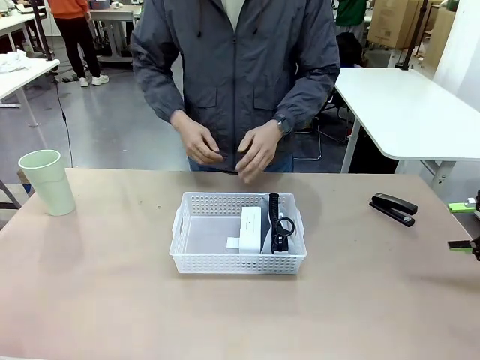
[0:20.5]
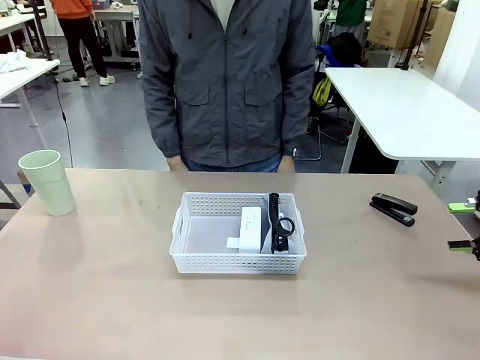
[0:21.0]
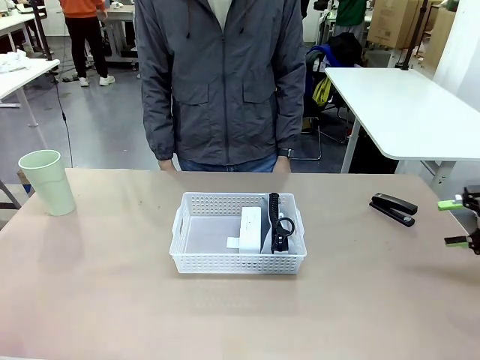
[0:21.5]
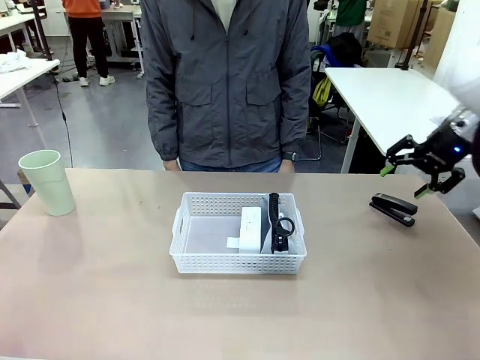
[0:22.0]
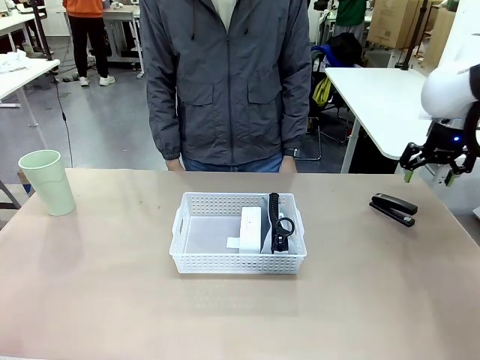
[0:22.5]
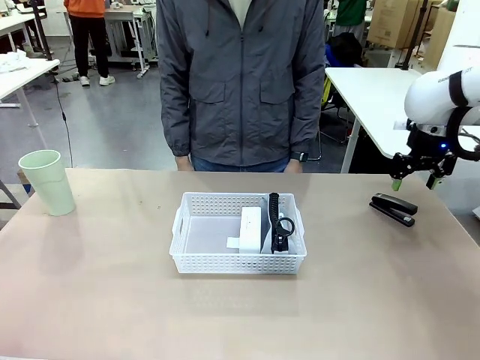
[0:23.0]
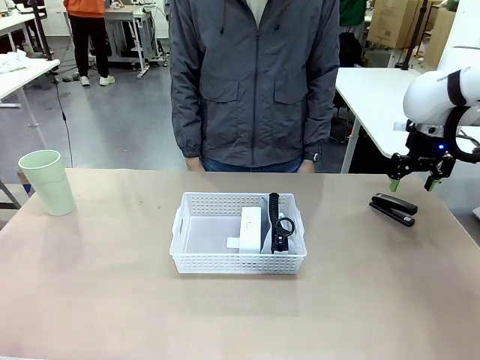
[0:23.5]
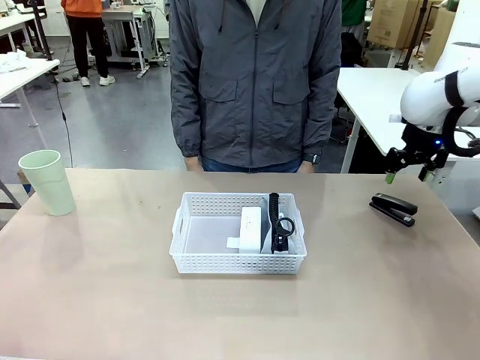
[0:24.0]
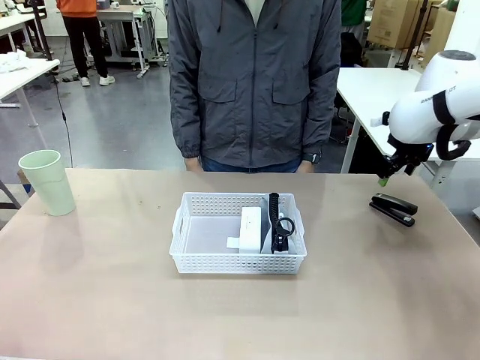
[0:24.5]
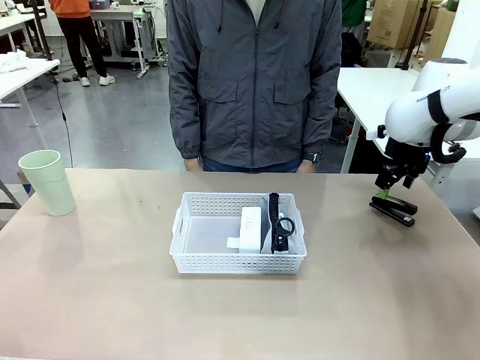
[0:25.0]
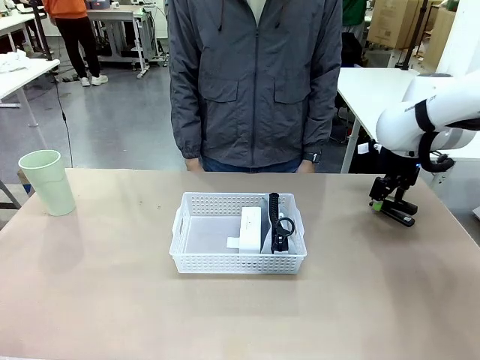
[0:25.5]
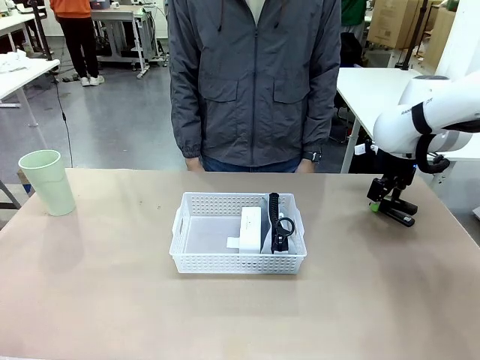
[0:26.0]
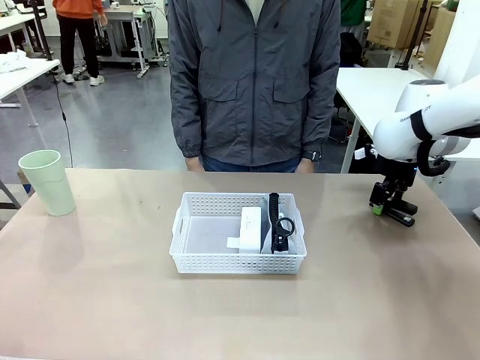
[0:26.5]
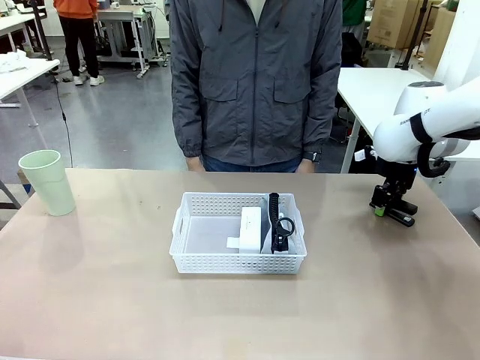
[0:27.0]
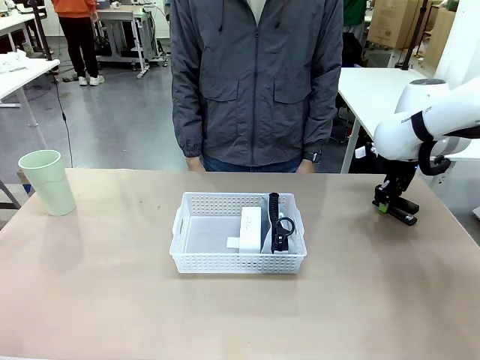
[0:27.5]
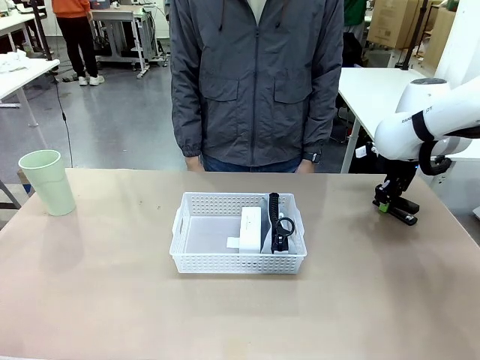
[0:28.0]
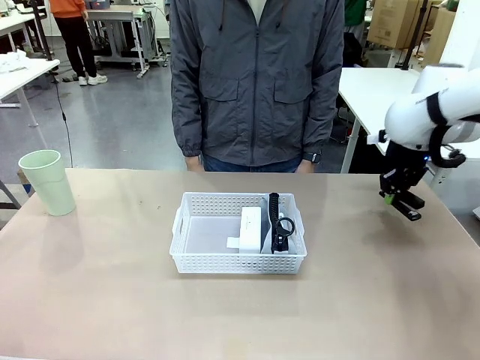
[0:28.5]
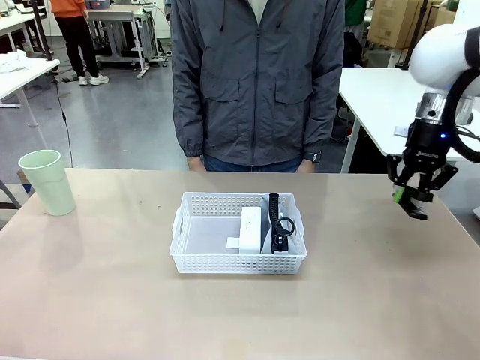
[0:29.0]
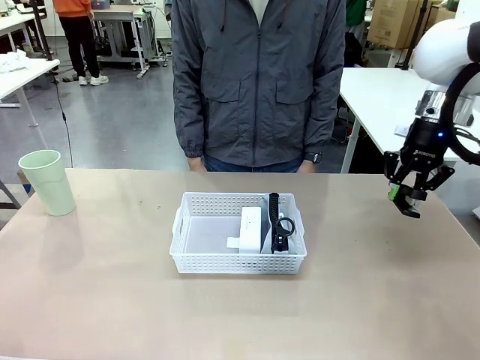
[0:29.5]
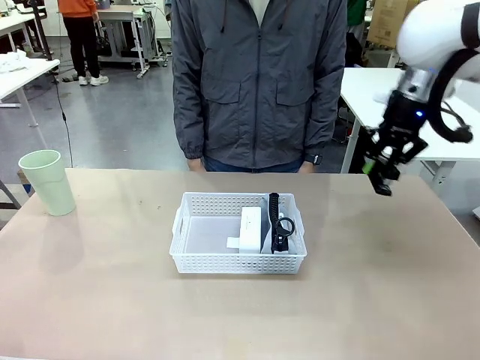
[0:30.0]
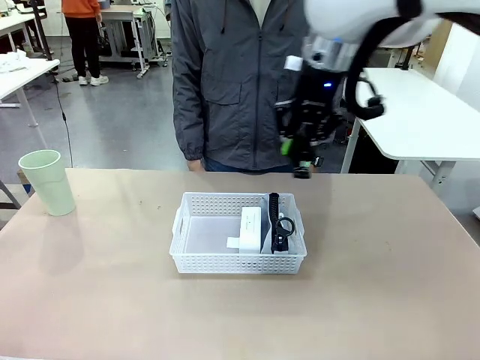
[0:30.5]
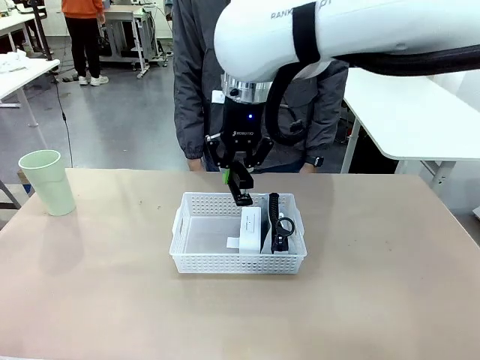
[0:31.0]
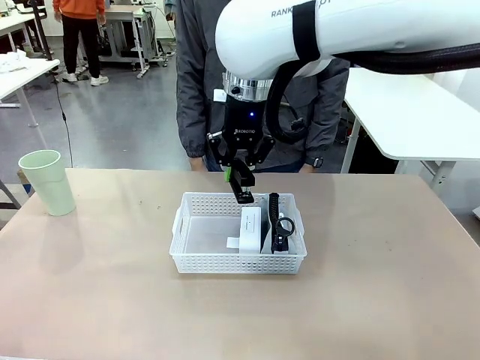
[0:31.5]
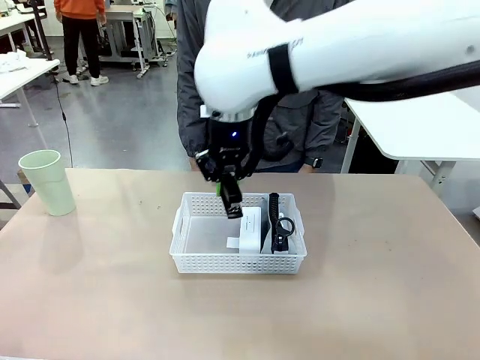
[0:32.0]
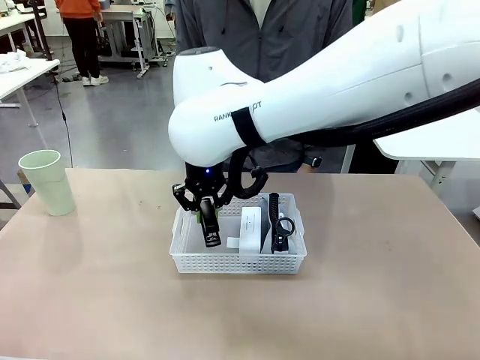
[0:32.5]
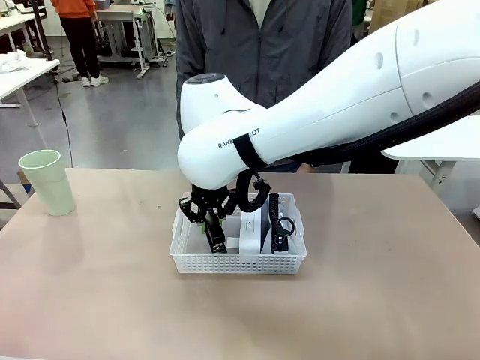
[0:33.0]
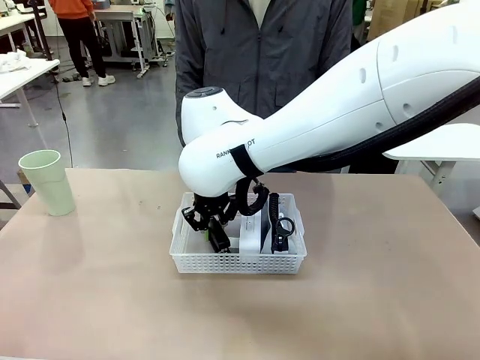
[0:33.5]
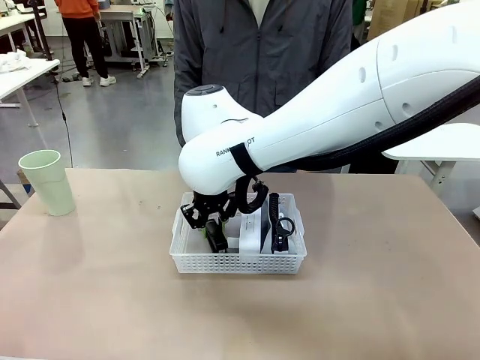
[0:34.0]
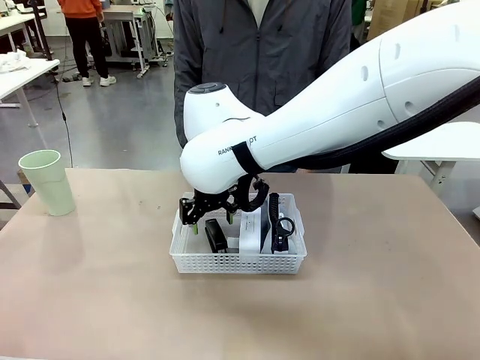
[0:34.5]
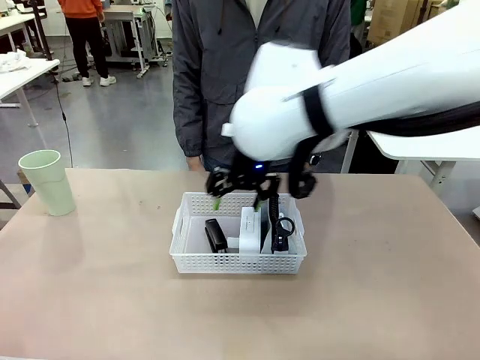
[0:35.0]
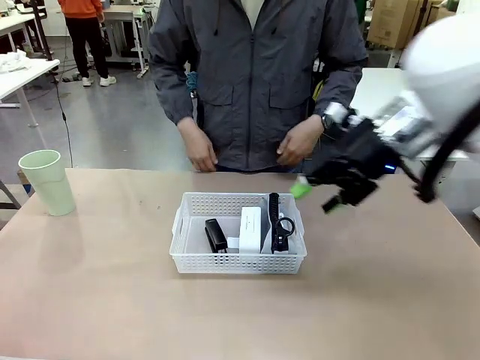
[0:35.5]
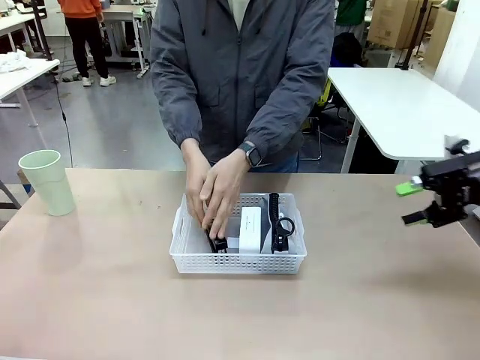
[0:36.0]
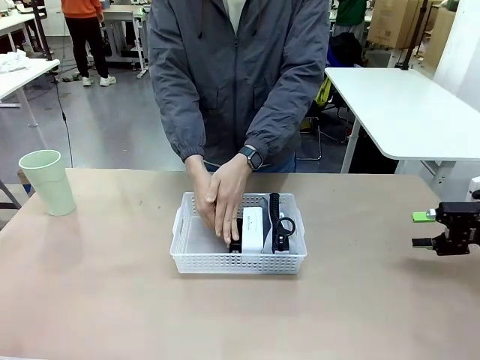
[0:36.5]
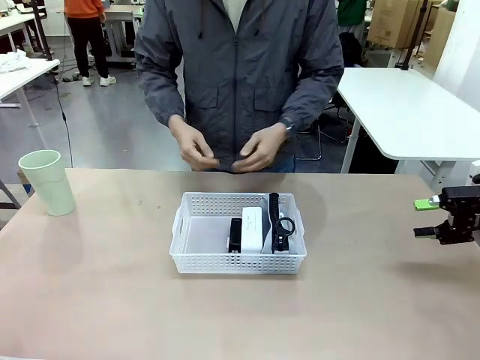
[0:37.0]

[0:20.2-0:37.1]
Task: Efficiently arrange items inside the basket to fit them all.
Robot: Pick up the Stapler and place it inside the Organizing basket.

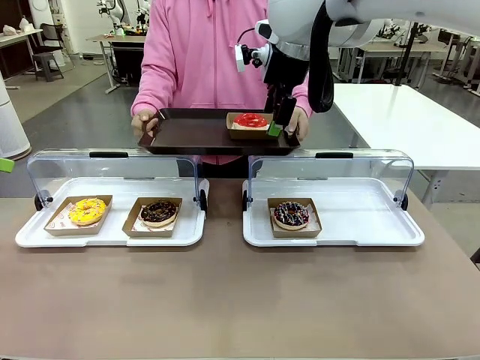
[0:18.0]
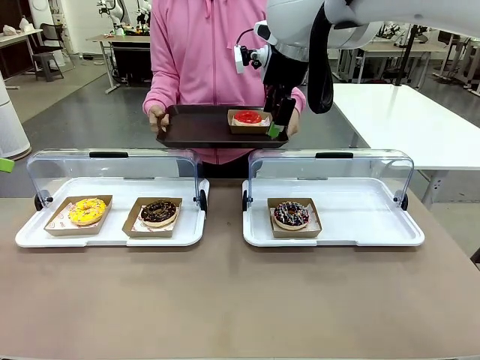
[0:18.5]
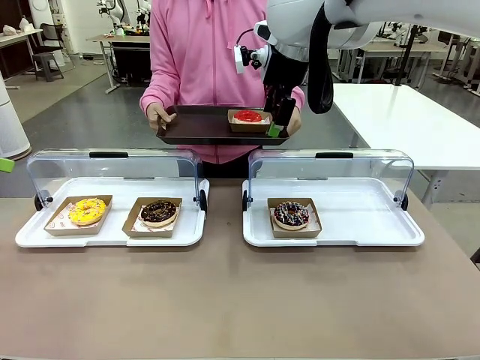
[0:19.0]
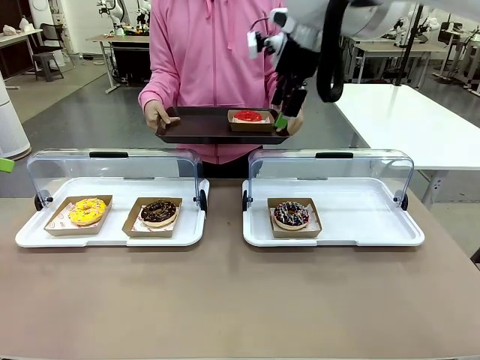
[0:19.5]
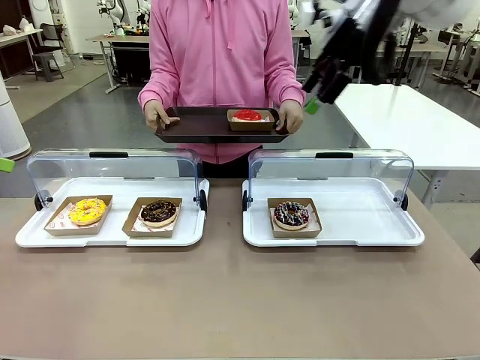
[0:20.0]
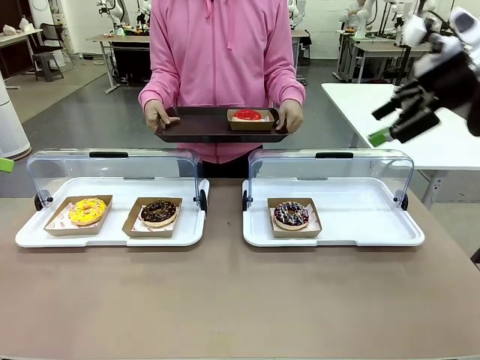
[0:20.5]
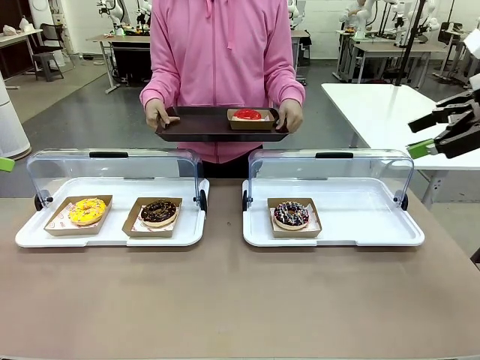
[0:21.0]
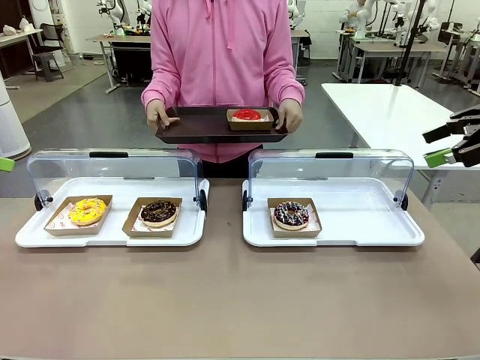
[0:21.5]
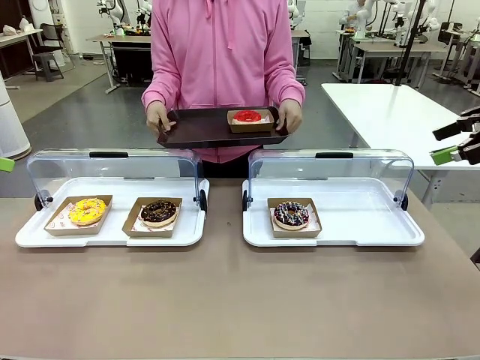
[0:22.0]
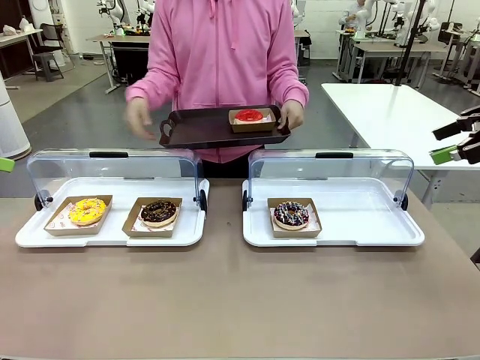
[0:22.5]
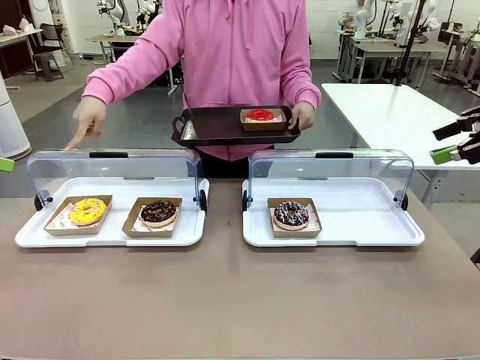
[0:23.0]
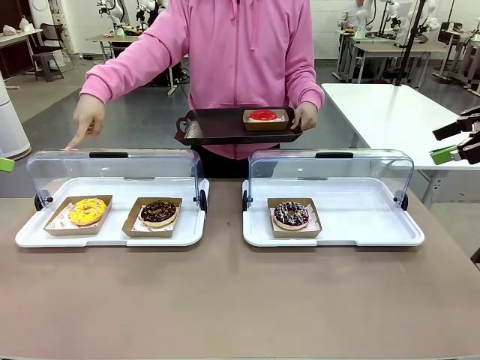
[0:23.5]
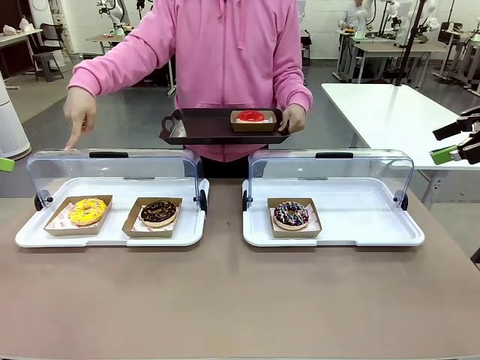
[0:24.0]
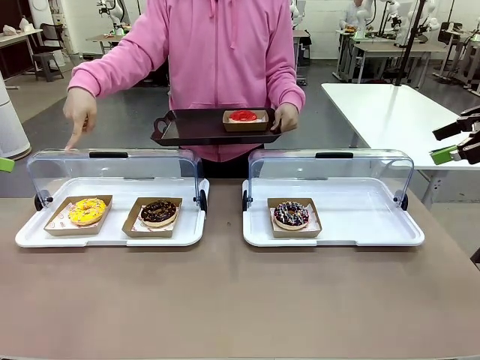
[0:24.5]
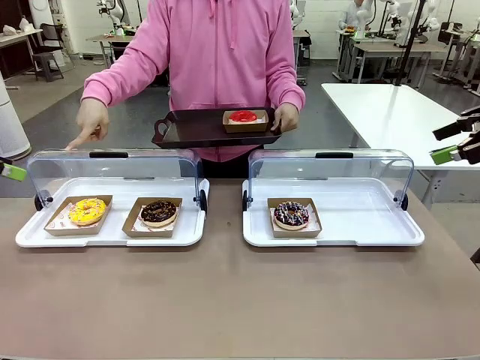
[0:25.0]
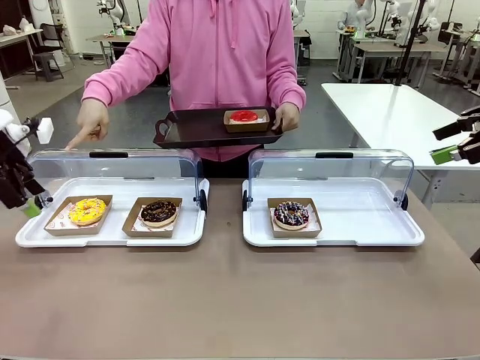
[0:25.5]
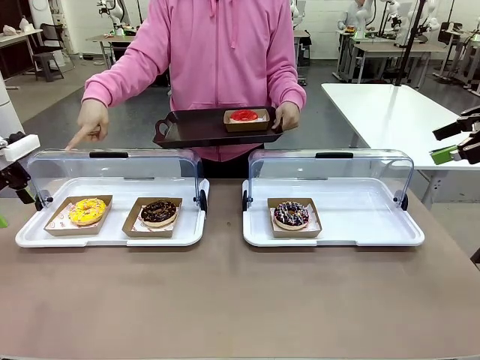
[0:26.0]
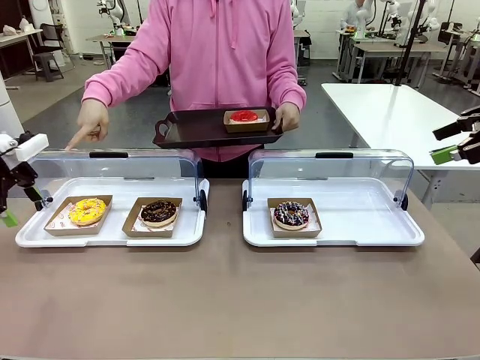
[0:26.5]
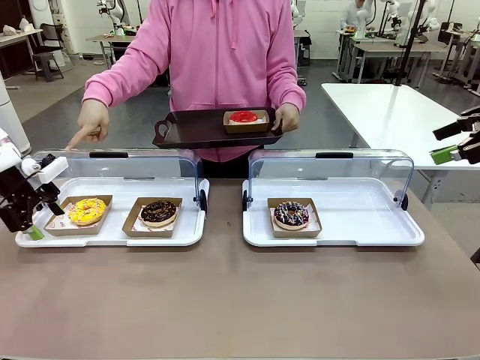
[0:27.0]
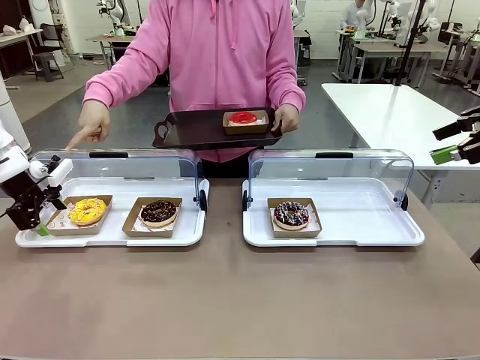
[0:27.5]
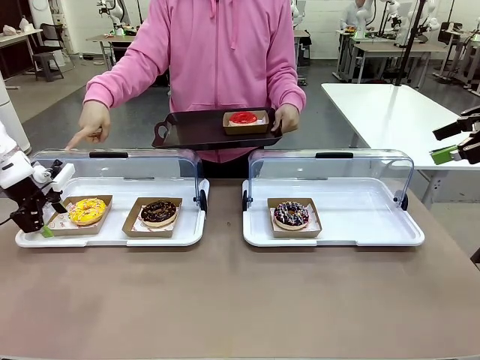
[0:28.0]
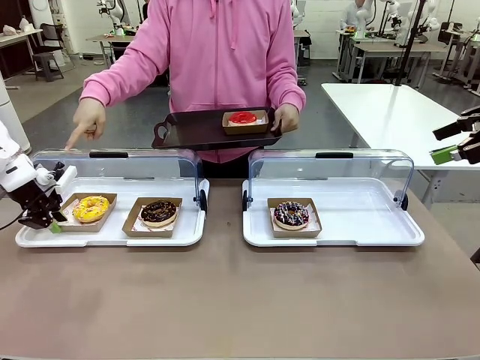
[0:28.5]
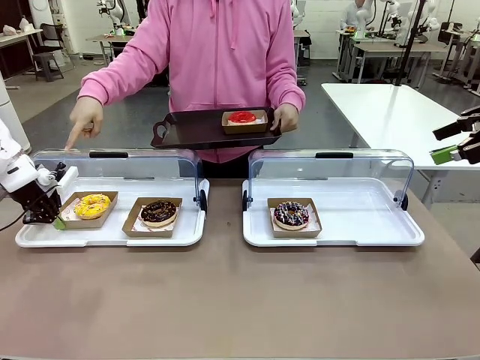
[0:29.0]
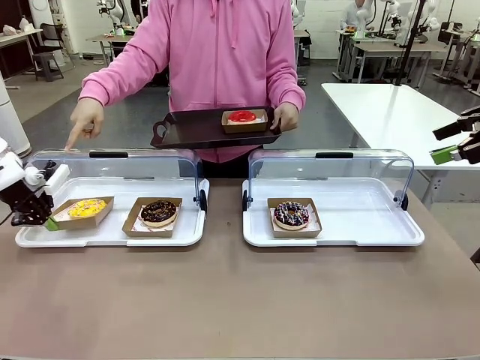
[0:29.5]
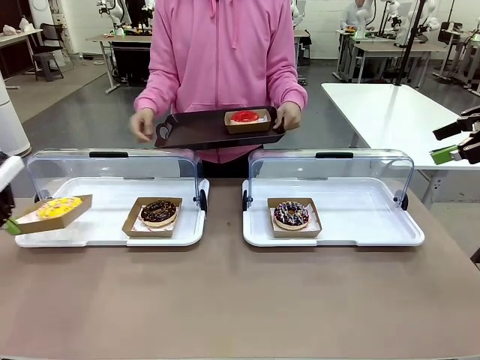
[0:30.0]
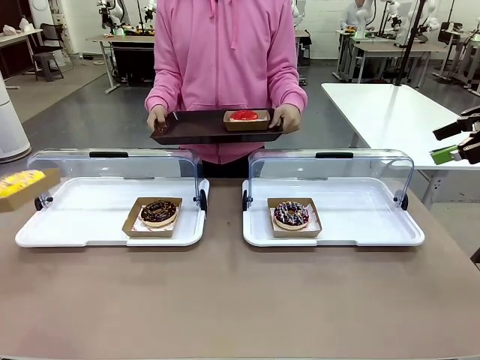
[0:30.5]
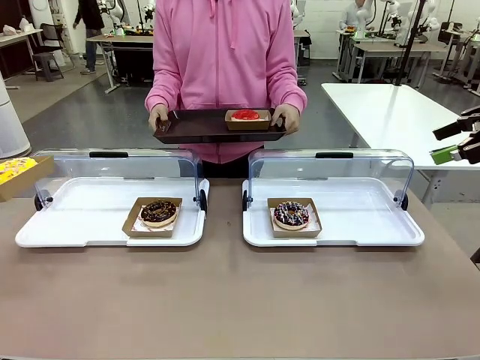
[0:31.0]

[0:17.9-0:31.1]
Task: Provide the desired donut to the person.
Robot: Pick up and lift the Paper togo box containing the Donut pointed at by the person.
Person: Point to one donut. Lift the tray onto the Roll-Top Bakery Case.
